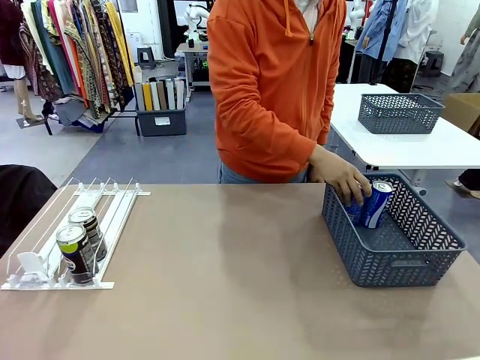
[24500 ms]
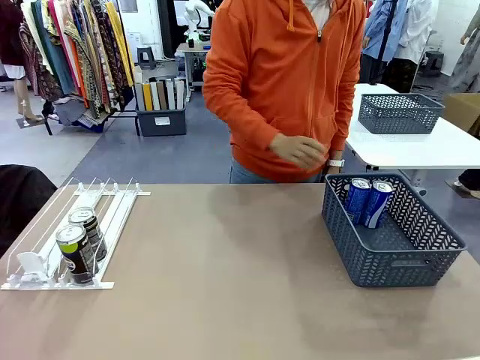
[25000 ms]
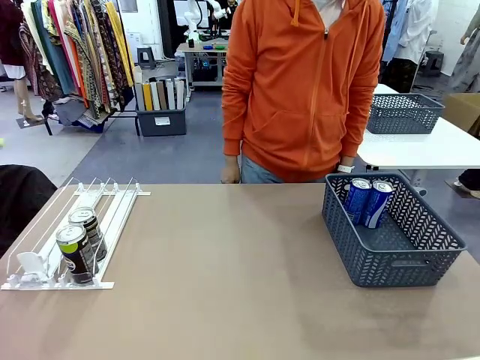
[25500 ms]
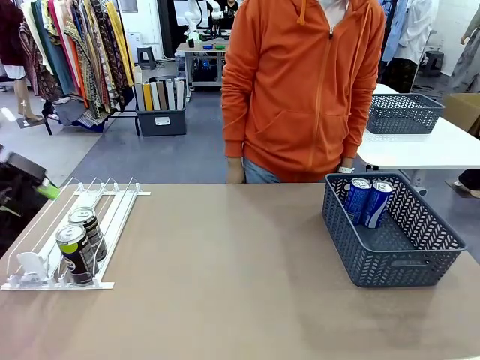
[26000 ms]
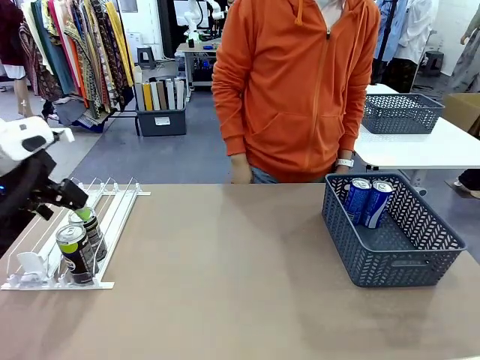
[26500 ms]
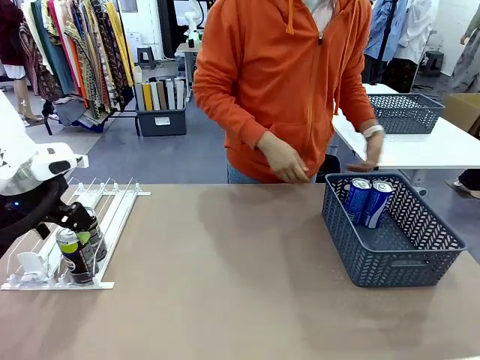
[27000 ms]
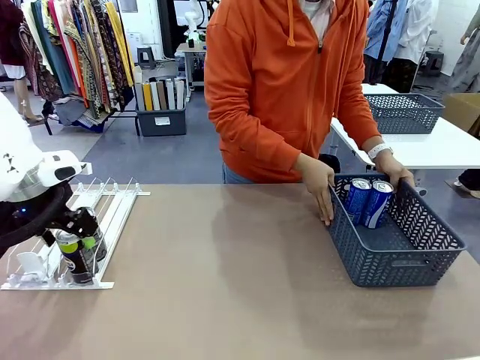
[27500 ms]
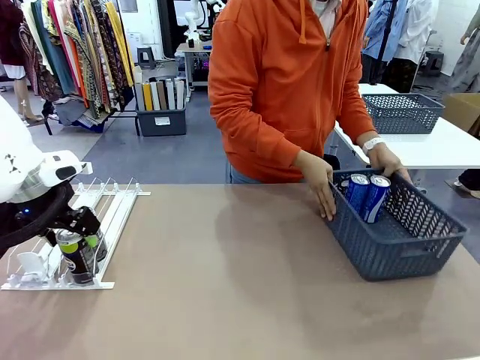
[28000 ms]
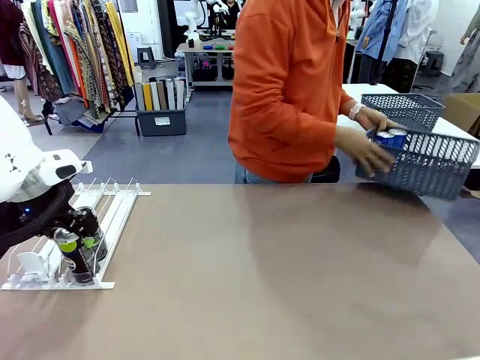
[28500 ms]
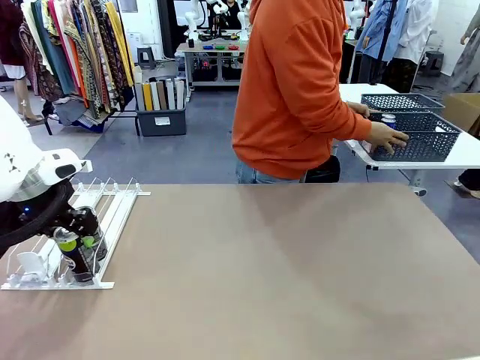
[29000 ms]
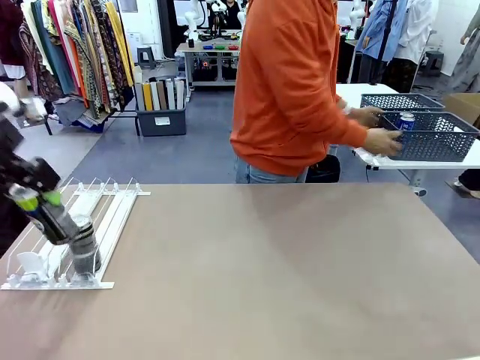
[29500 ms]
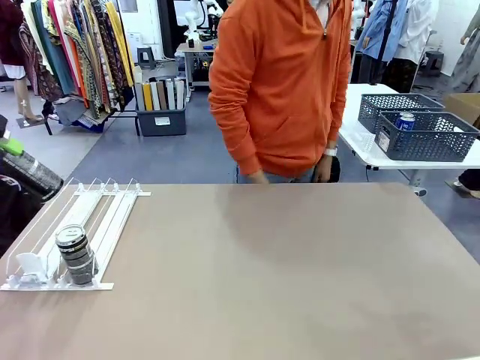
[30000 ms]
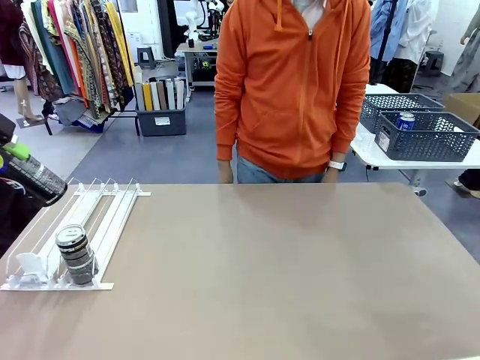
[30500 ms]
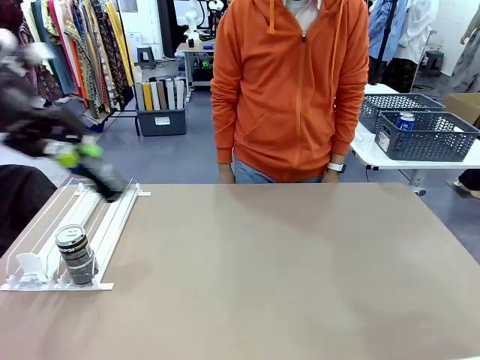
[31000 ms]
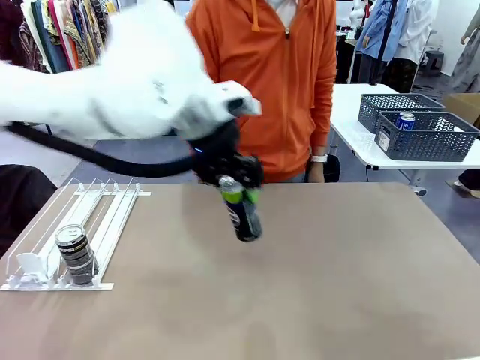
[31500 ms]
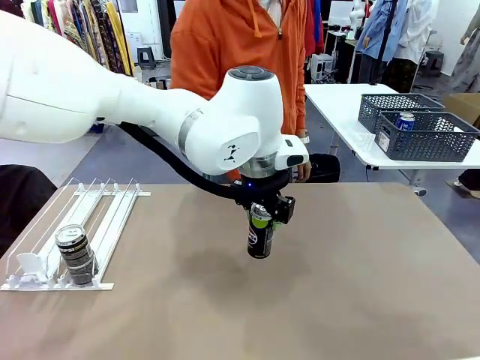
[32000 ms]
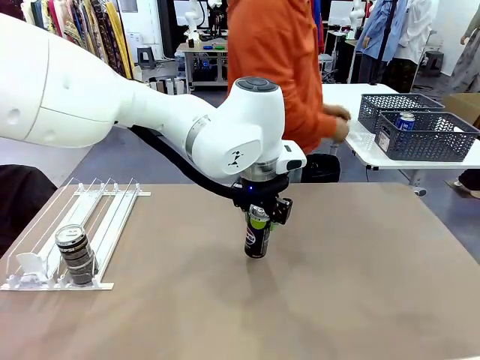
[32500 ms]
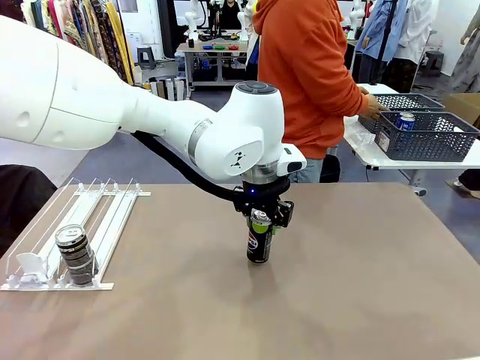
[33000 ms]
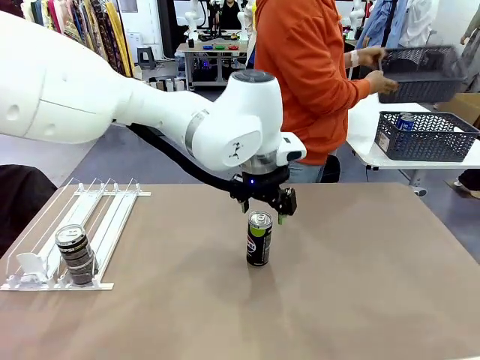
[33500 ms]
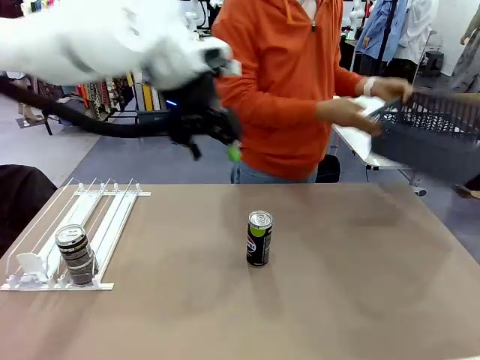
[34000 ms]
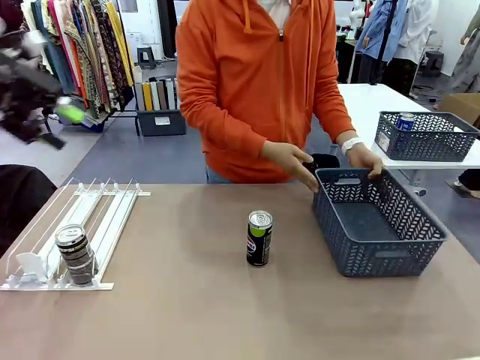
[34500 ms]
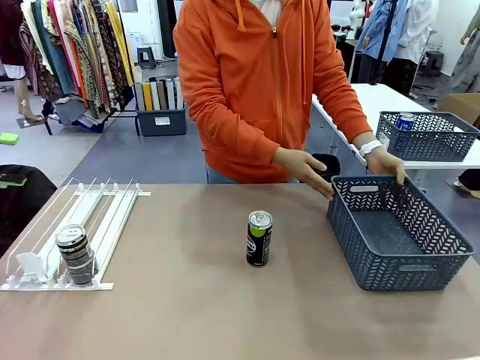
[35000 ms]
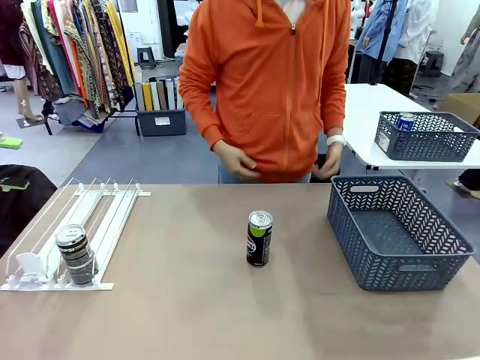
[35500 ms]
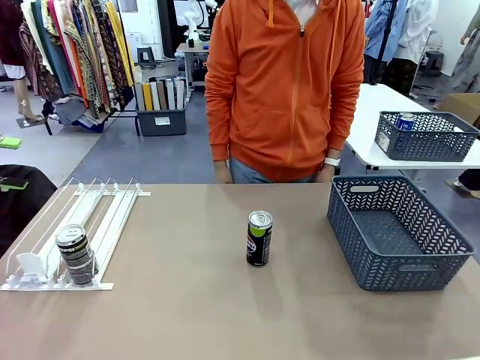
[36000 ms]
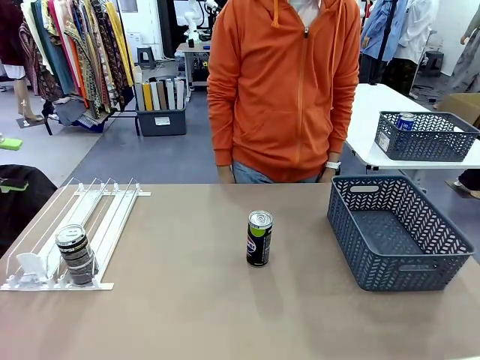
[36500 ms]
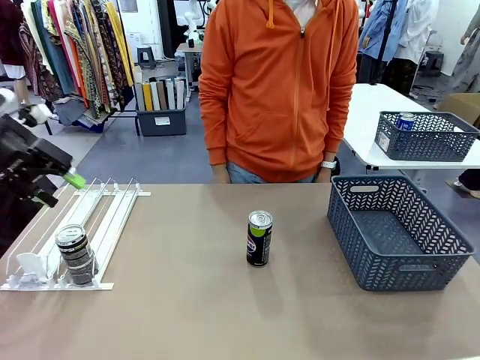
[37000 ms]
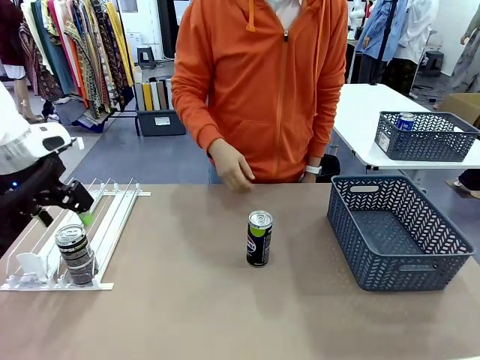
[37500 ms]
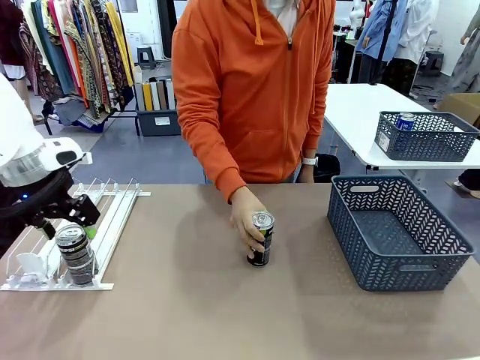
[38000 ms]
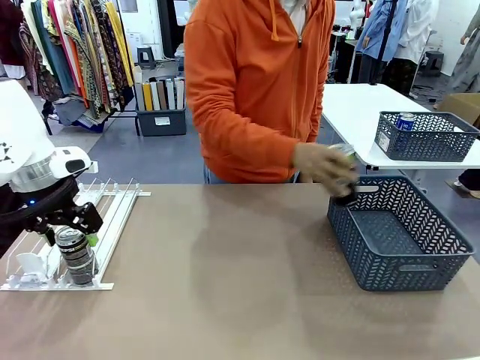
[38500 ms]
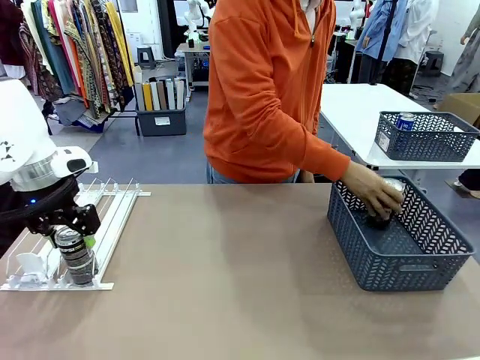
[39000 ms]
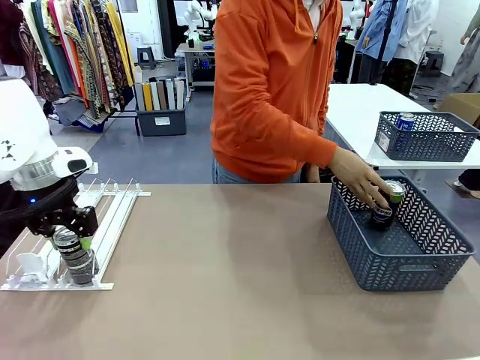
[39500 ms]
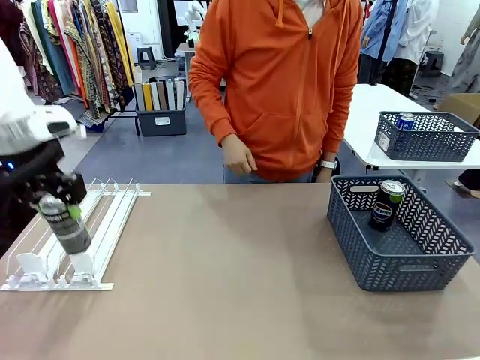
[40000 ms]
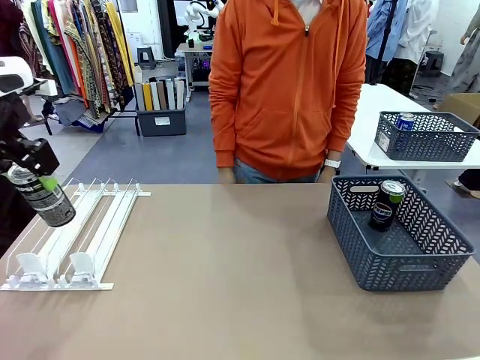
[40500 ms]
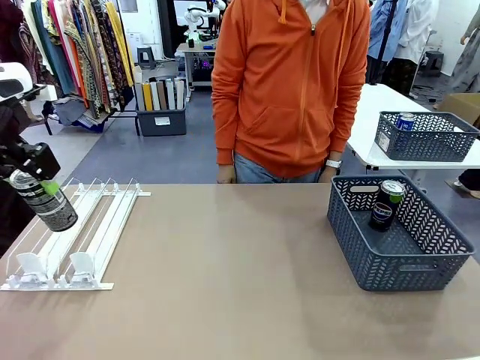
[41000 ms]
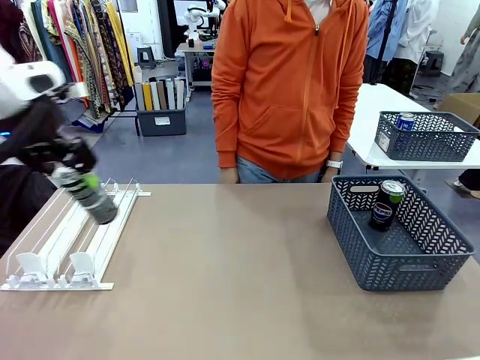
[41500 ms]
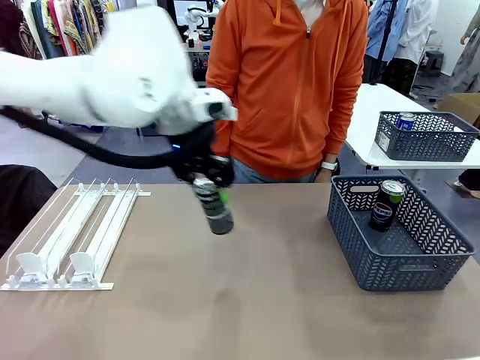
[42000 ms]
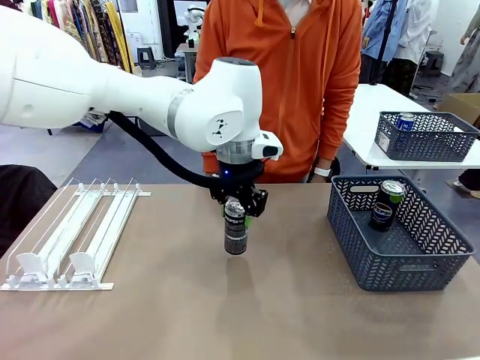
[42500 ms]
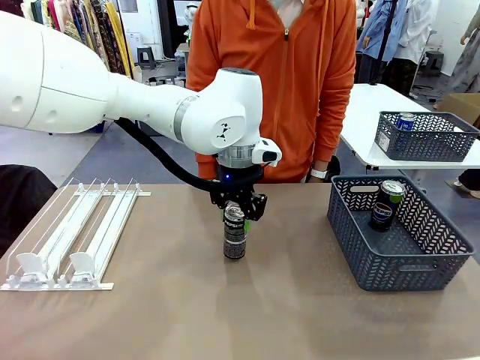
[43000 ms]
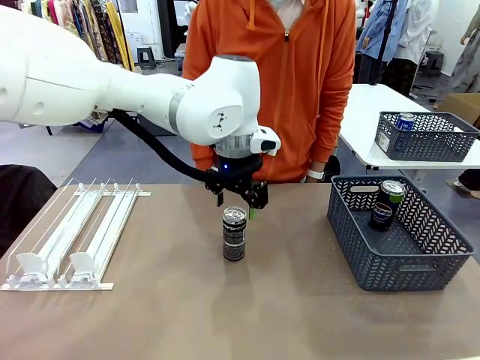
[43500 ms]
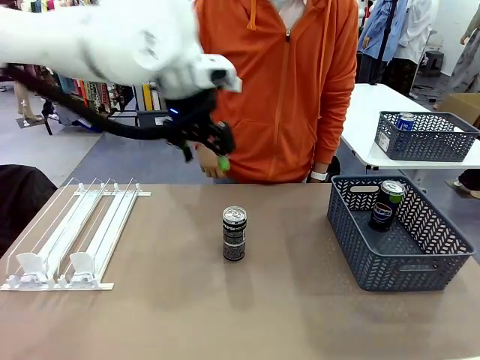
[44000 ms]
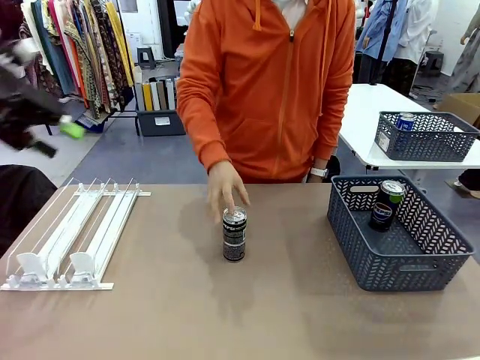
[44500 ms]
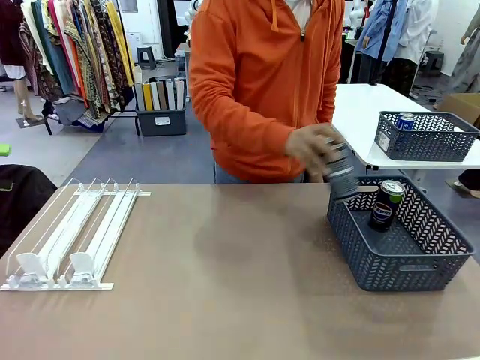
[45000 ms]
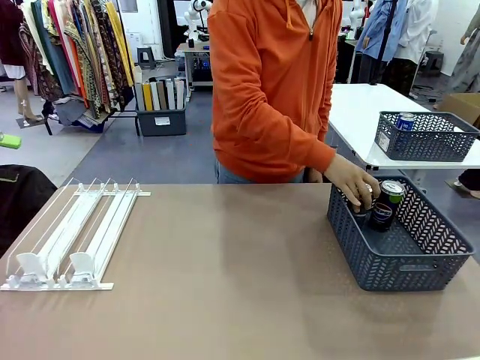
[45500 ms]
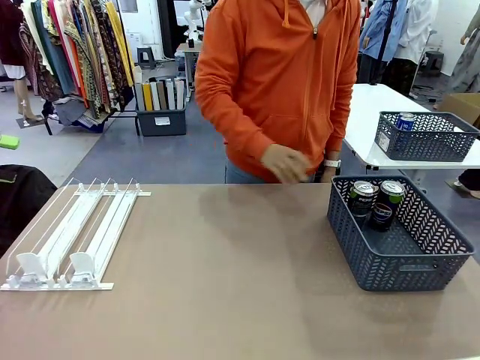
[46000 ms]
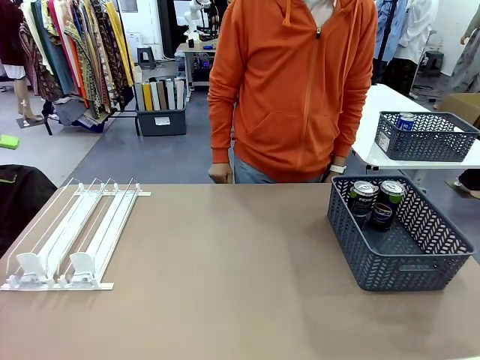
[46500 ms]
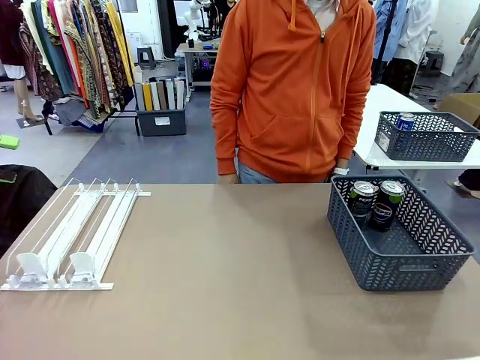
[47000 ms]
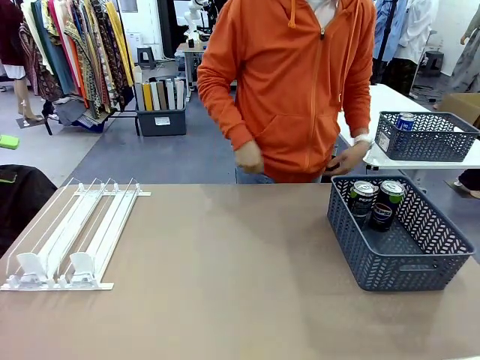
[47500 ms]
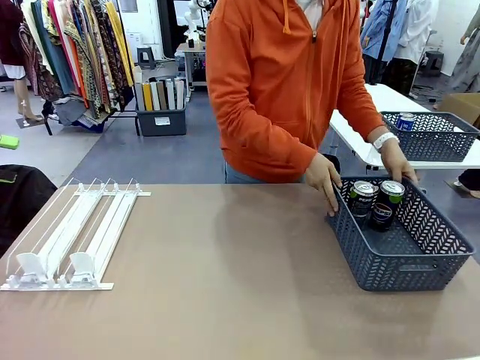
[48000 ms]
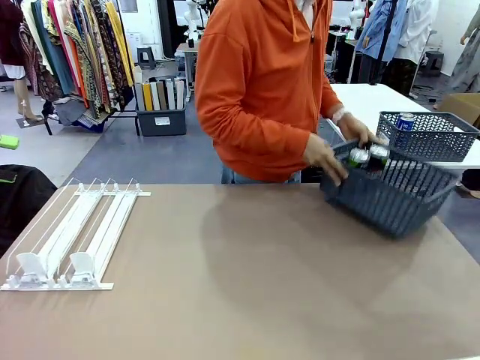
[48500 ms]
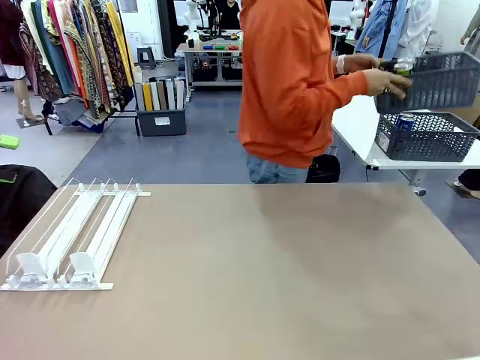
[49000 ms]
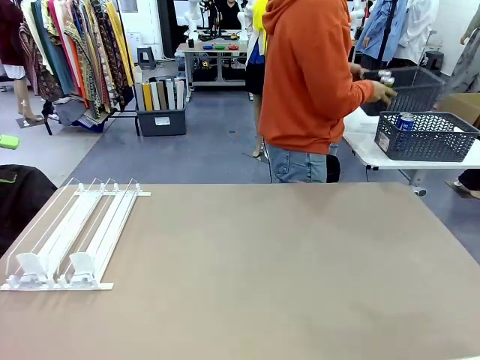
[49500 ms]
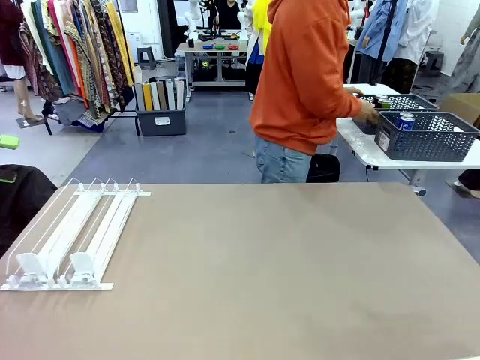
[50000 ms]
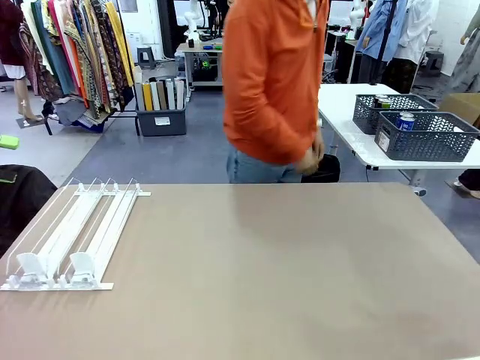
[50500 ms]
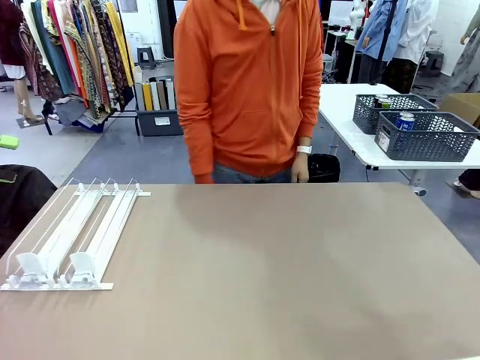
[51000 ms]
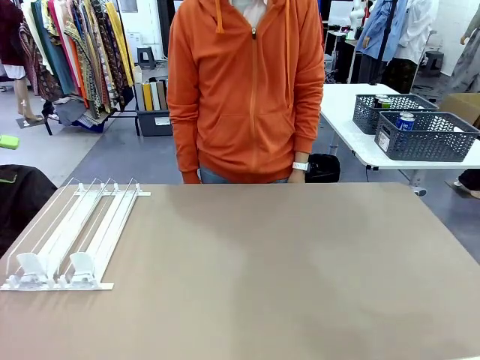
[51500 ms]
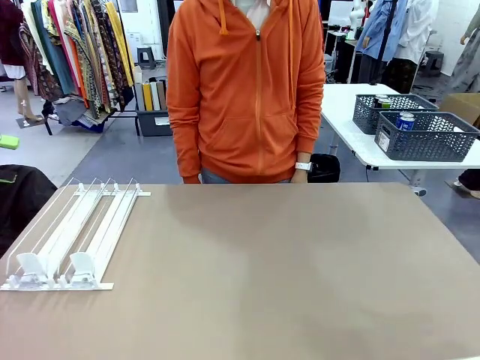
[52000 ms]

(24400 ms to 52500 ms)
Task: Retrieve and store the cans from the dispenser.
Robot: Pick up one can from the Automatic Can Dispenser and place it in the middle of the table.
Person: Pick up the basket and place it in the middle of the human table. Pick up the empty basket and place it on the left side of the robot table. Pick up one sports drink can from the middle of the robot table and place it in the basket. Pick up the basket and place it in the middle of the human table.
